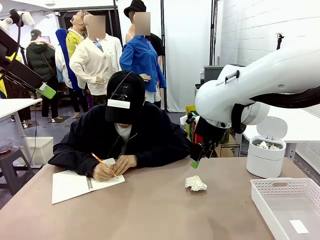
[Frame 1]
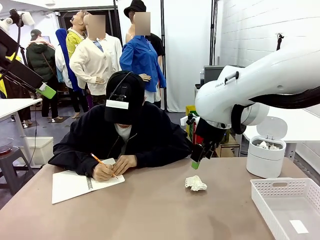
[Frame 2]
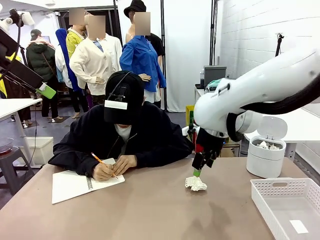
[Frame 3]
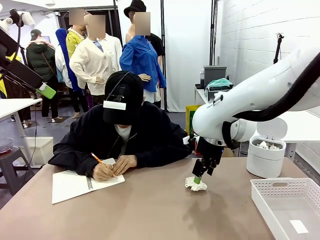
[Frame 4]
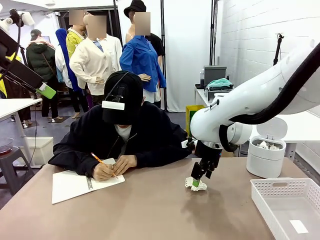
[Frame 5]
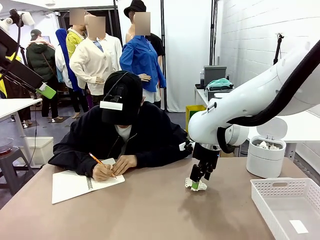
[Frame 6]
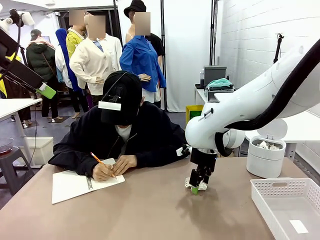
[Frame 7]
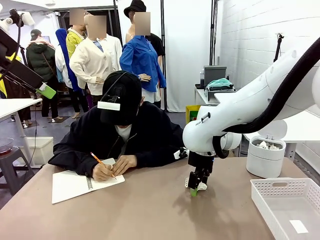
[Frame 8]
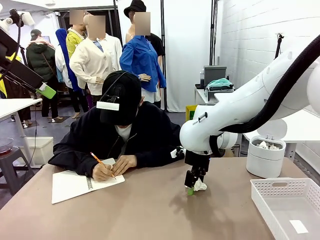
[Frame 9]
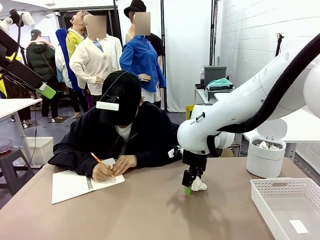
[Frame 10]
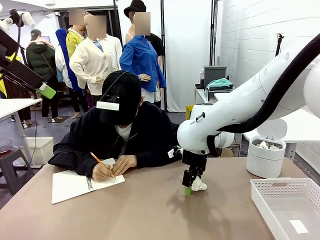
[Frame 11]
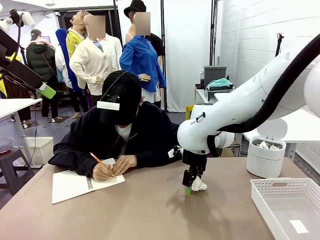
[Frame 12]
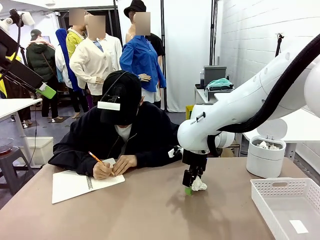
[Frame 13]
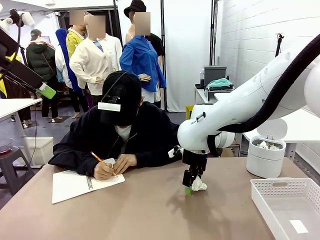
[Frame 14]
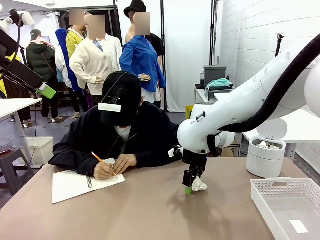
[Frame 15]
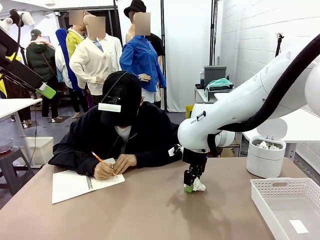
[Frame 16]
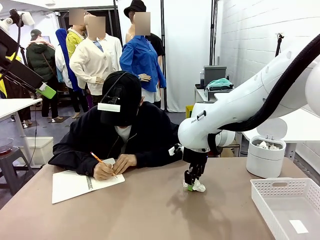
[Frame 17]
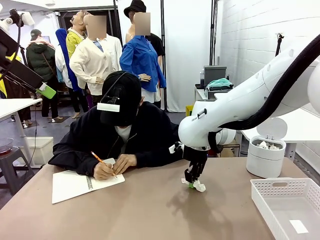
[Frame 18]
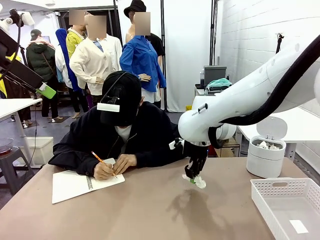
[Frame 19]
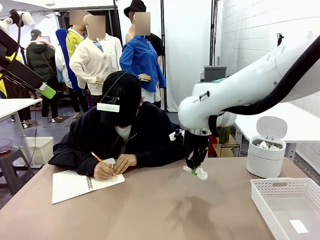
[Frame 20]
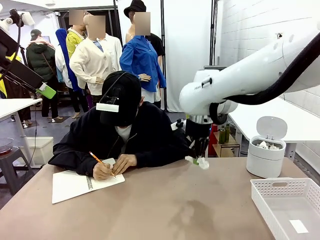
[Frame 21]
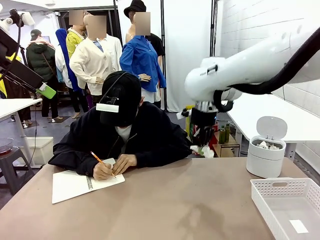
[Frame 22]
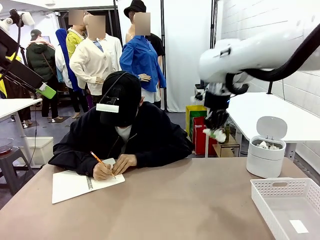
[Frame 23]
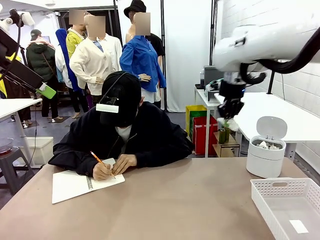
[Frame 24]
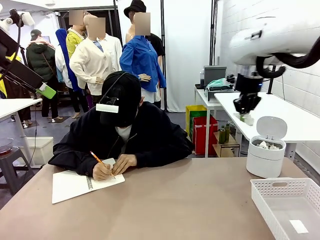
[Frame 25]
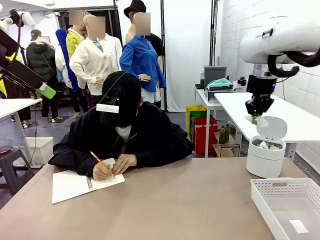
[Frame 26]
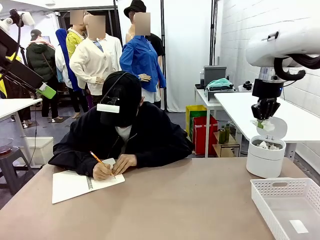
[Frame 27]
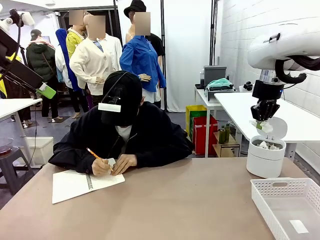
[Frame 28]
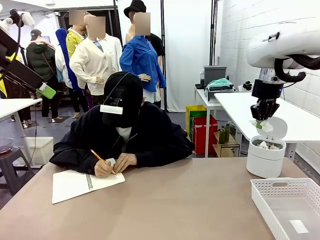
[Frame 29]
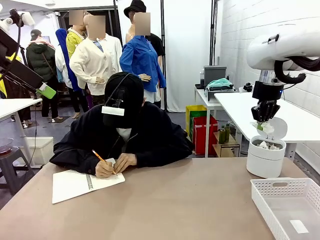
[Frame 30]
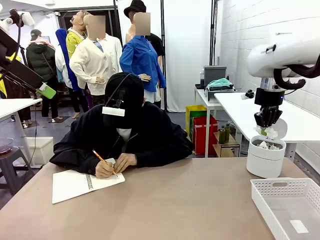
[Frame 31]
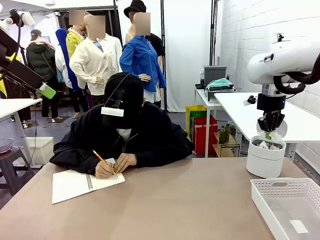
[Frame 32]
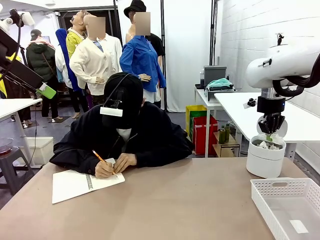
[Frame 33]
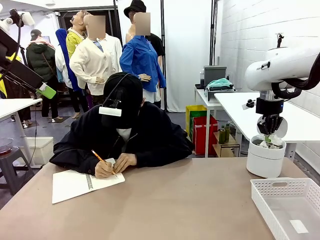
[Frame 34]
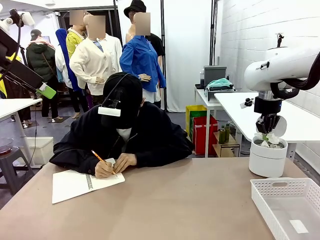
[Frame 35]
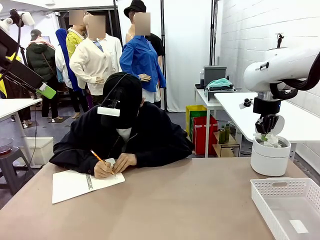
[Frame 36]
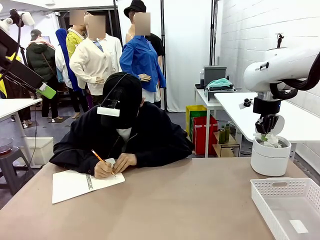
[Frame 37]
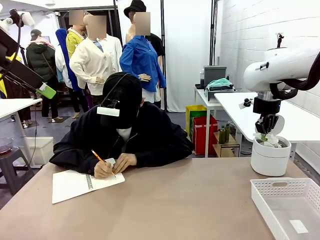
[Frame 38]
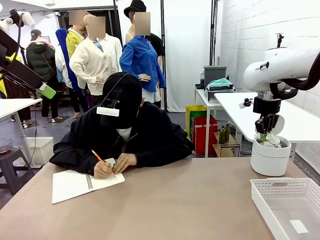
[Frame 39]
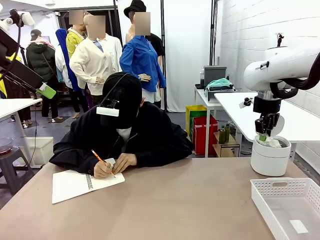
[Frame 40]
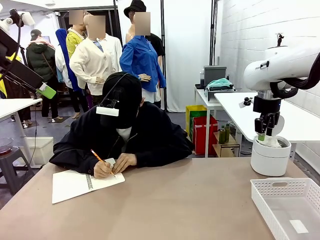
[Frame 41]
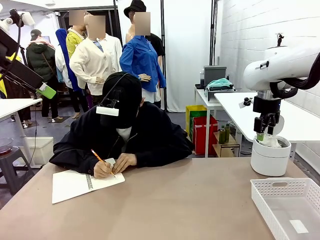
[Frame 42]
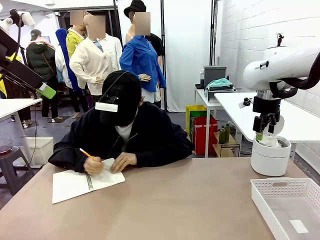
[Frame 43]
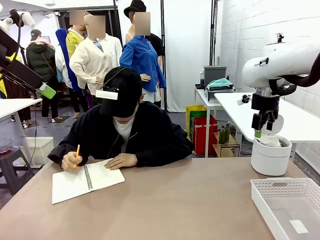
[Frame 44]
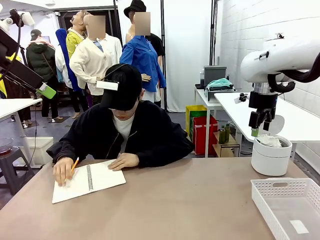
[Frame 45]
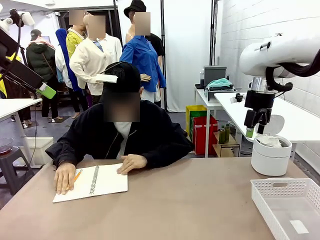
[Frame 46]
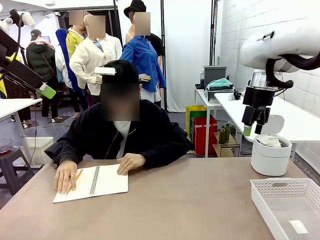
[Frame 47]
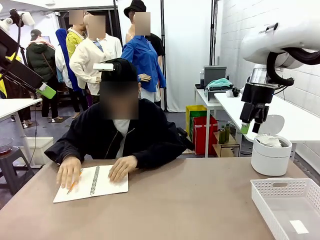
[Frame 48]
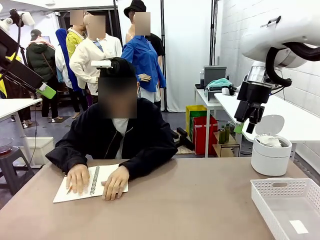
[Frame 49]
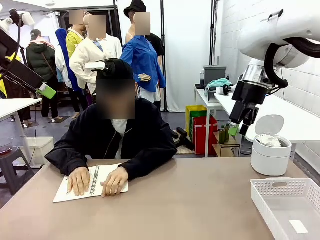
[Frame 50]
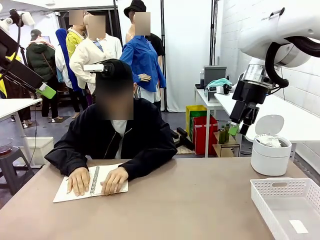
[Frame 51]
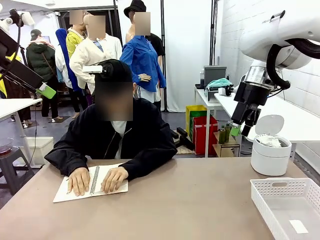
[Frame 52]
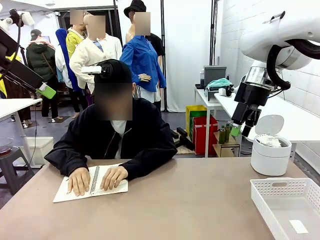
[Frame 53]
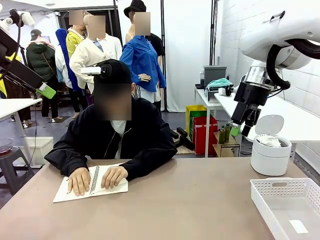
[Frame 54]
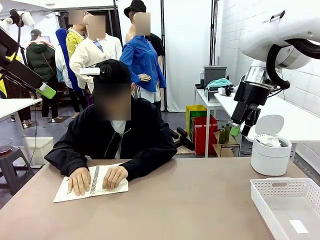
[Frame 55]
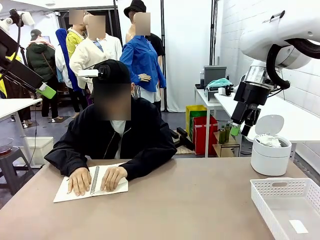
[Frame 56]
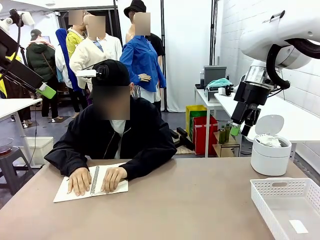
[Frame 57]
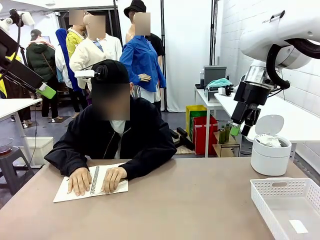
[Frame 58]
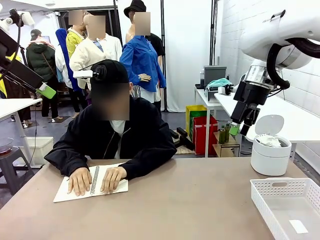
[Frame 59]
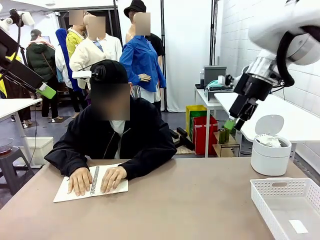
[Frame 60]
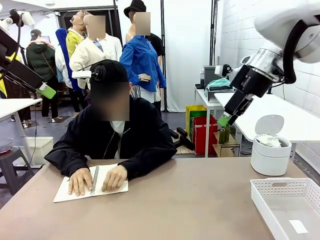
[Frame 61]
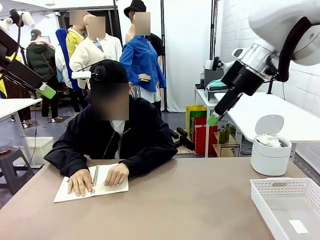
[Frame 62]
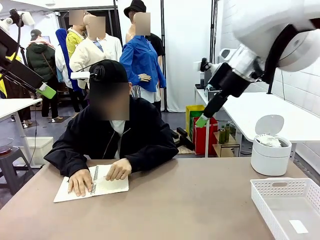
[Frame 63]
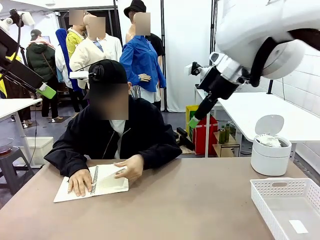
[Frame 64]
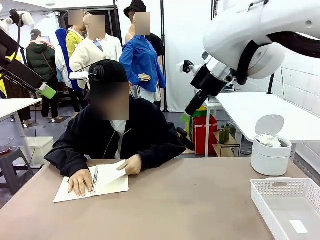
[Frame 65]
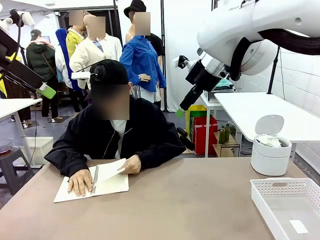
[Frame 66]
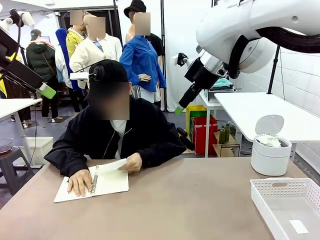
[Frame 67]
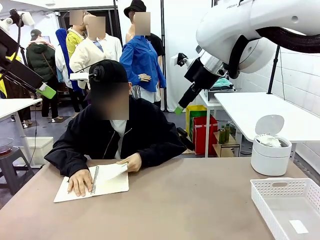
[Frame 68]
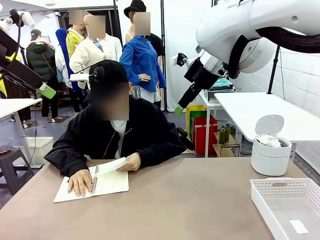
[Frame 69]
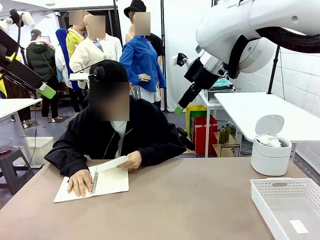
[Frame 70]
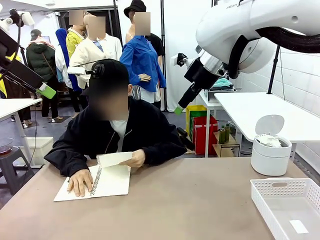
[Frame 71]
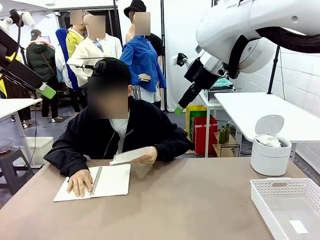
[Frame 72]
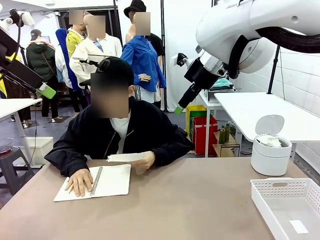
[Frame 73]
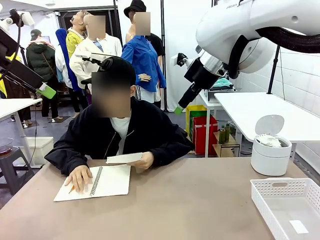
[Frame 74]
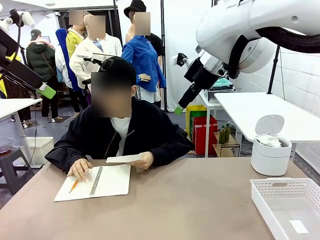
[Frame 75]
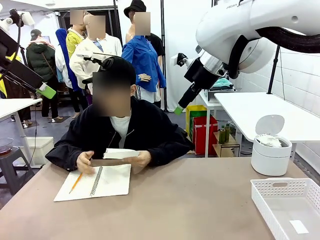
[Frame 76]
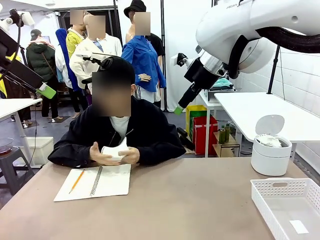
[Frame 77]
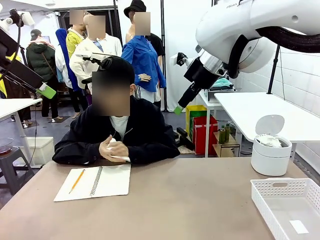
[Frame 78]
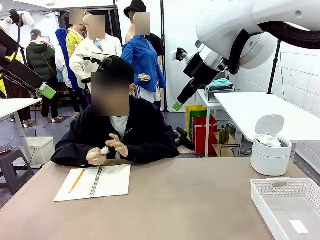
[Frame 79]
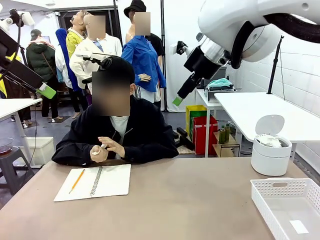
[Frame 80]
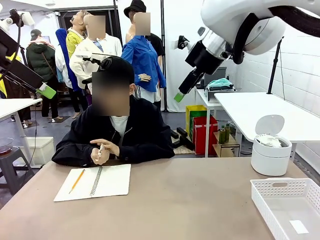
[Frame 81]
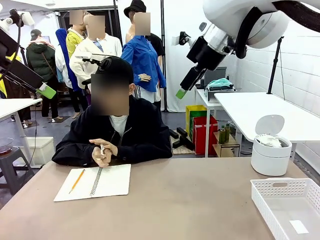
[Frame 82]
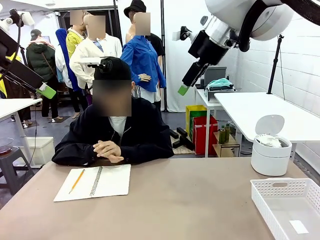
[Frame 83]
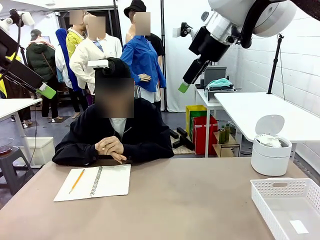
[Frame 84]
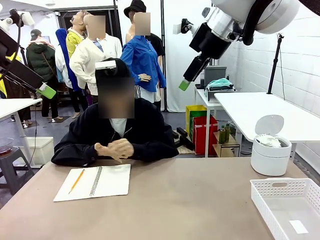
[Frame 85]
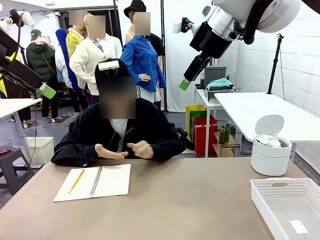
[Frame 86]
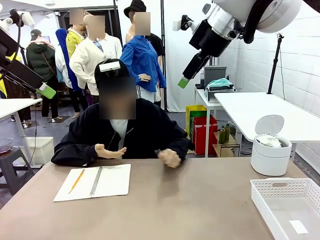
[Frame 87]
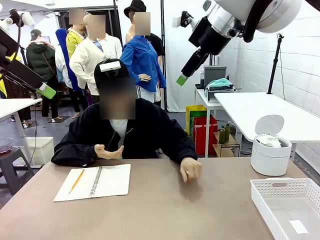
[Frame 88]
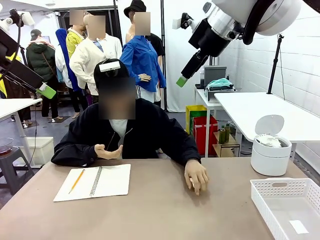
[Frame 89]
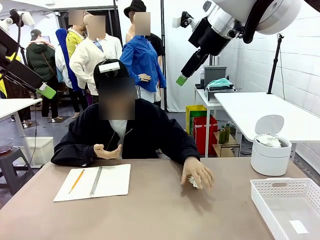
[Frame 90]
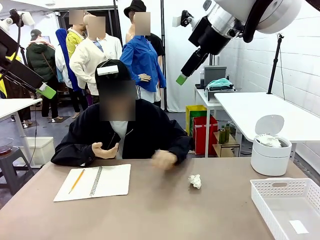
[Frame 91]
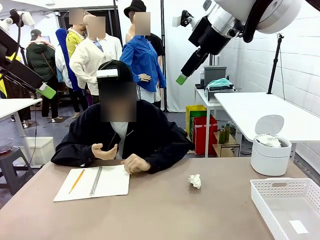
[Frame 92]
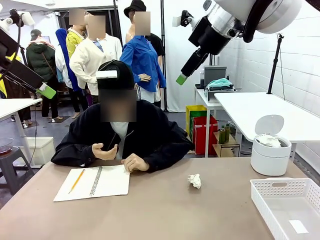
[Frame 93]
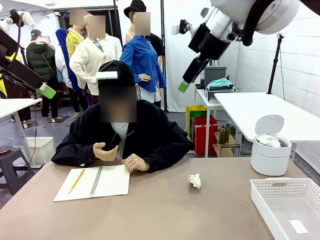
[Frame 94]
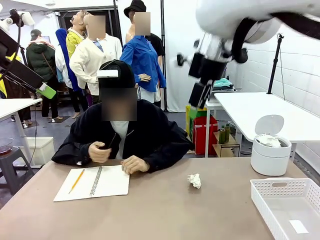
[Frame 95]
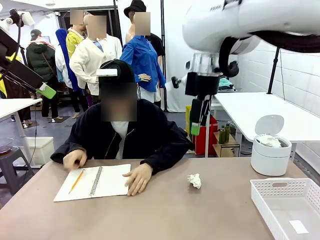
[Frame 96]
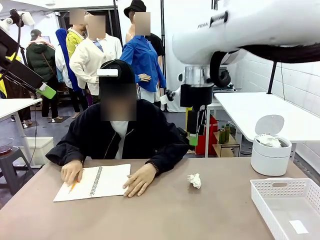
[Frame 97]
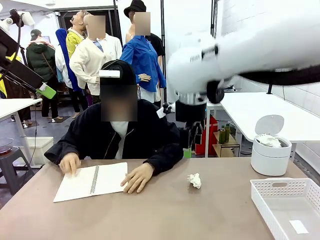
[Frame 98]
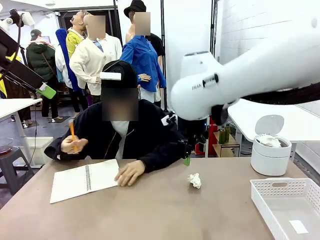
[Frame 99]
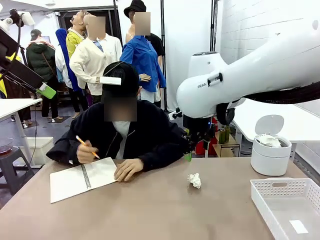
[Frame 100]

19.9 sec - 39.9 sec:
Task: Sort the paper based on its condition.
Robot: If a person hands you a paper, place it in the Organizing basket , and if it's crumpled, put it in the Trash can.
Person: Tear out a page from the spiral notebook. Hand the torn page to the robot or crumple it and throw it to the center of the table.
